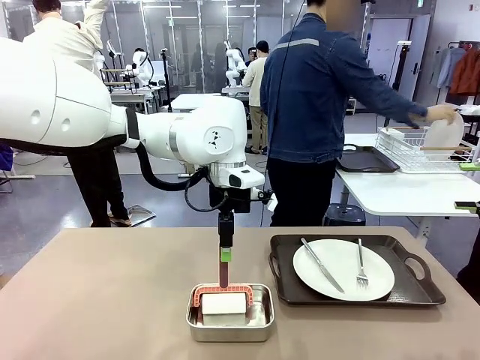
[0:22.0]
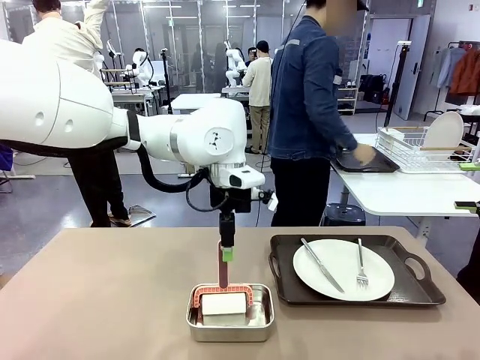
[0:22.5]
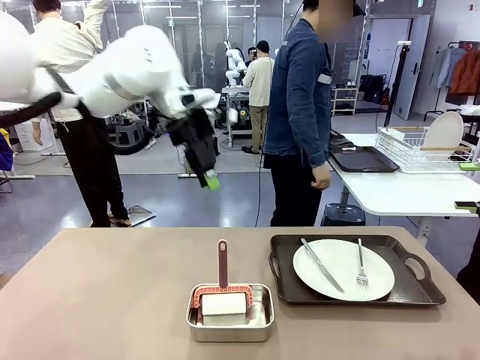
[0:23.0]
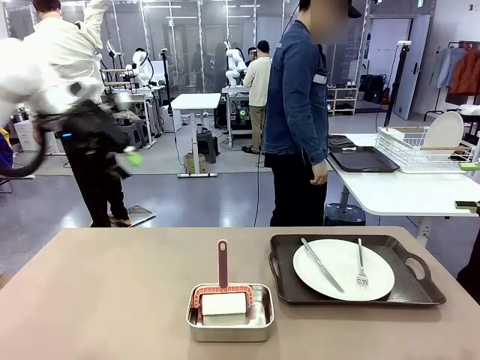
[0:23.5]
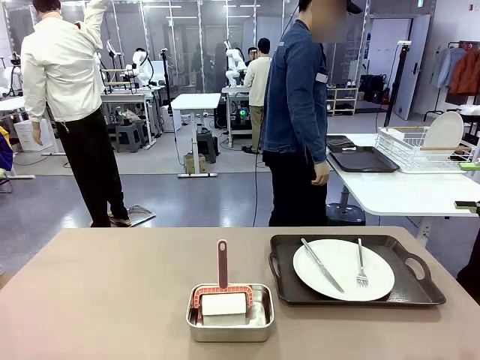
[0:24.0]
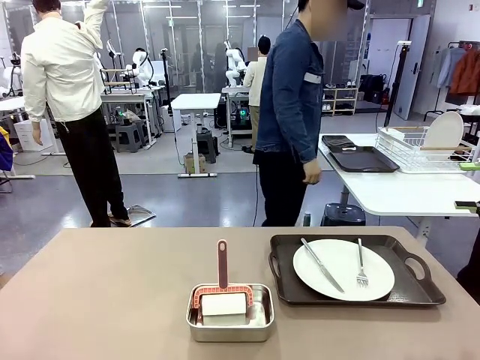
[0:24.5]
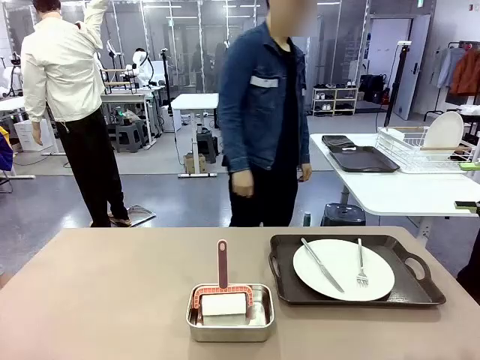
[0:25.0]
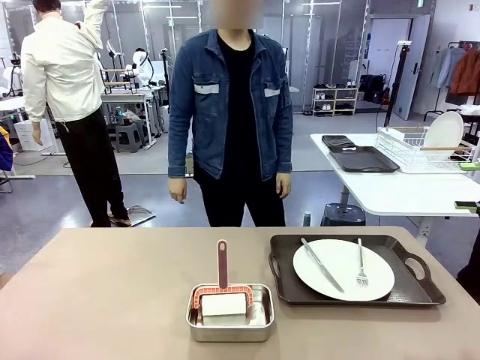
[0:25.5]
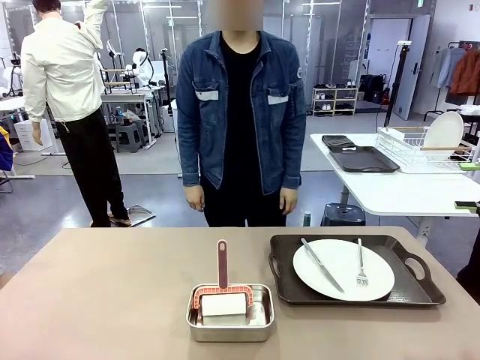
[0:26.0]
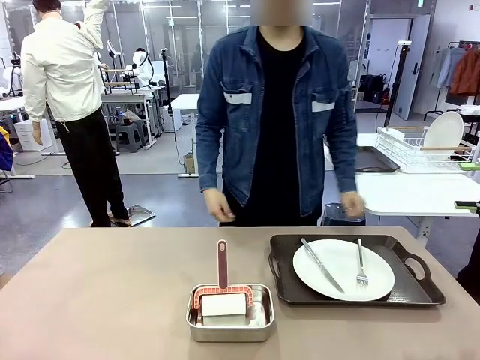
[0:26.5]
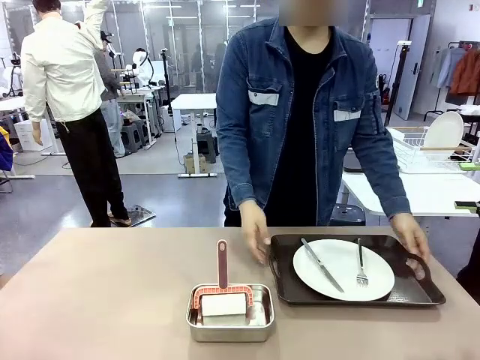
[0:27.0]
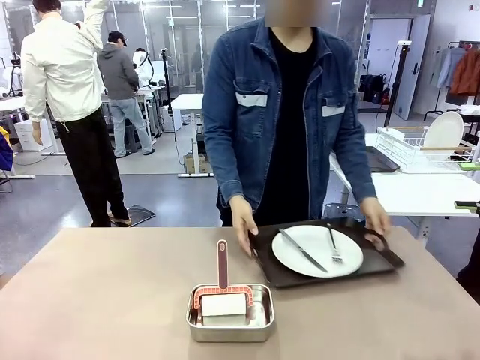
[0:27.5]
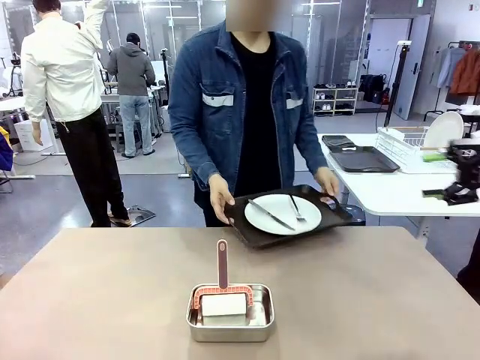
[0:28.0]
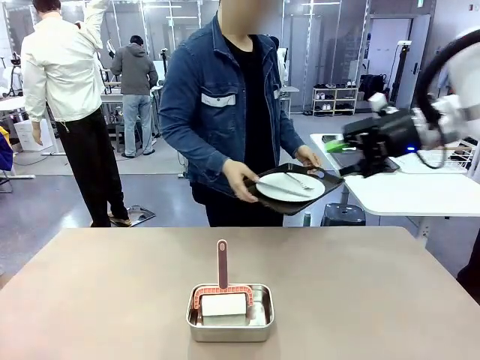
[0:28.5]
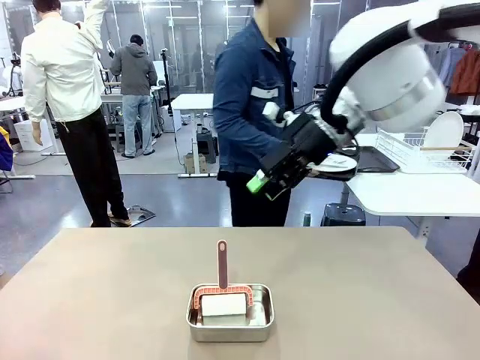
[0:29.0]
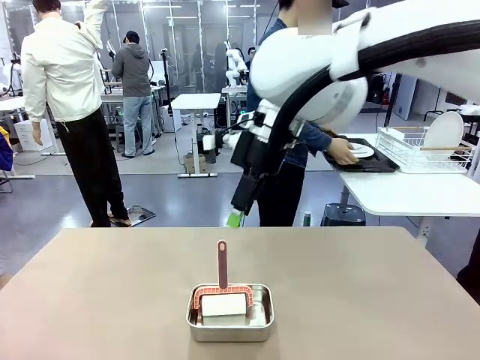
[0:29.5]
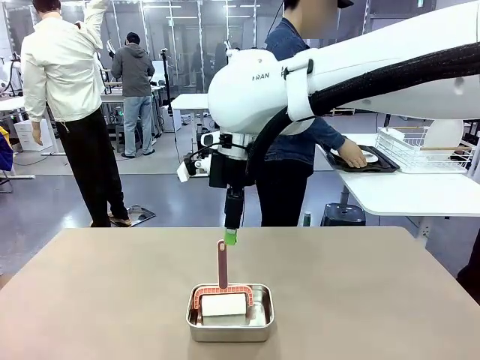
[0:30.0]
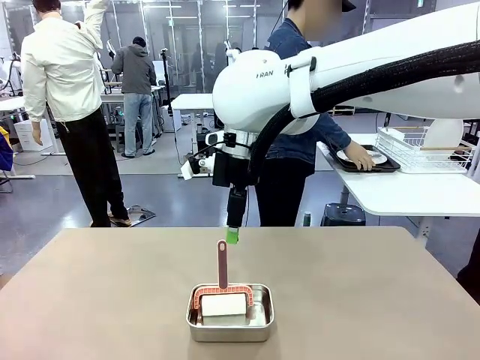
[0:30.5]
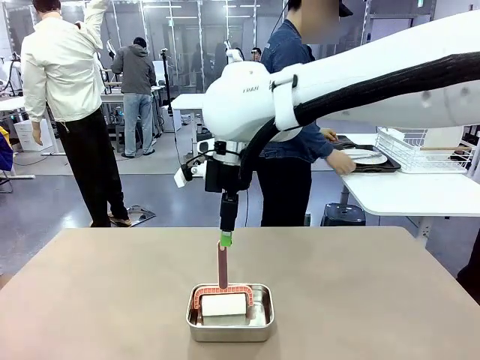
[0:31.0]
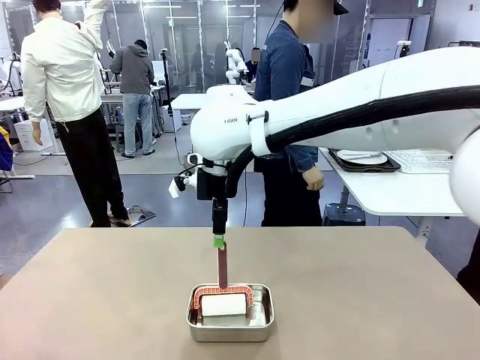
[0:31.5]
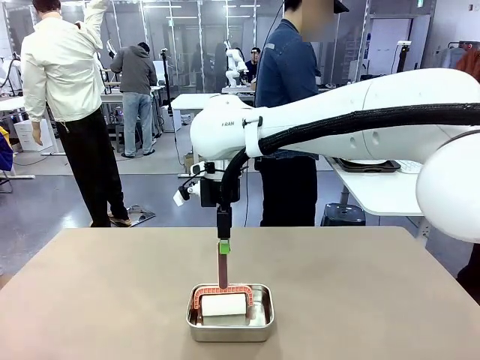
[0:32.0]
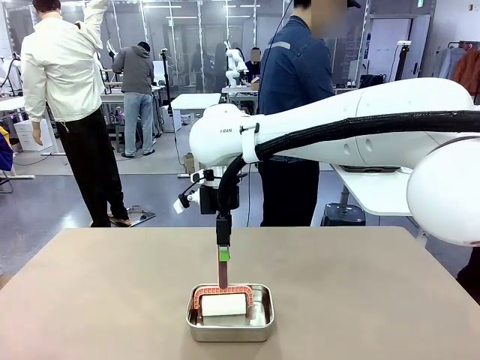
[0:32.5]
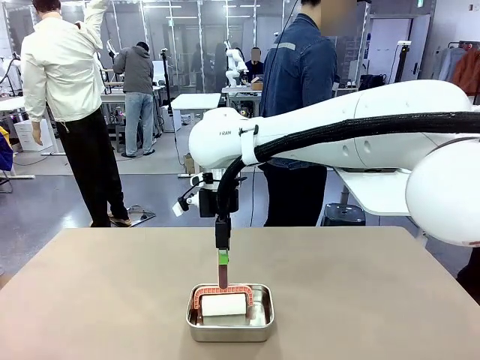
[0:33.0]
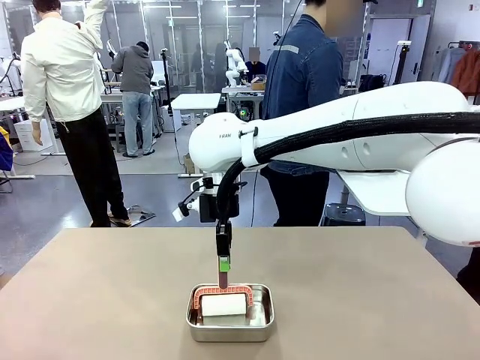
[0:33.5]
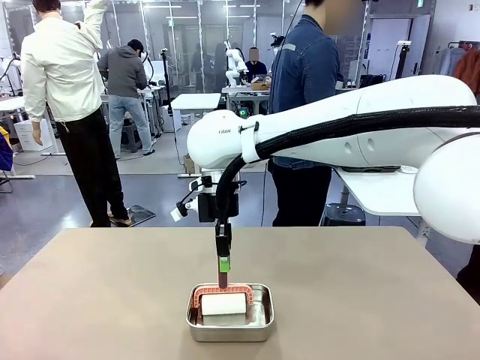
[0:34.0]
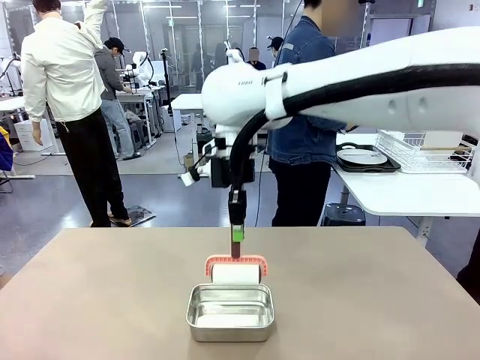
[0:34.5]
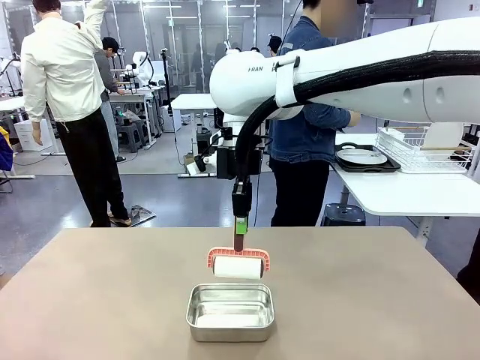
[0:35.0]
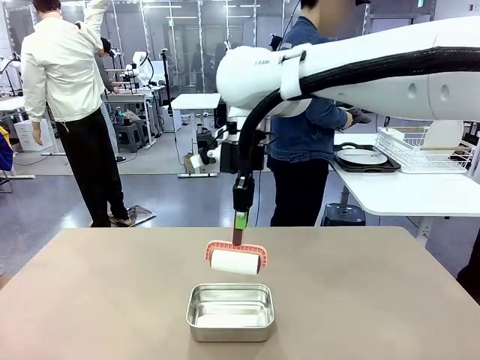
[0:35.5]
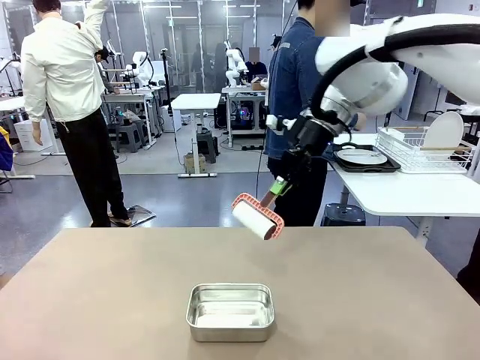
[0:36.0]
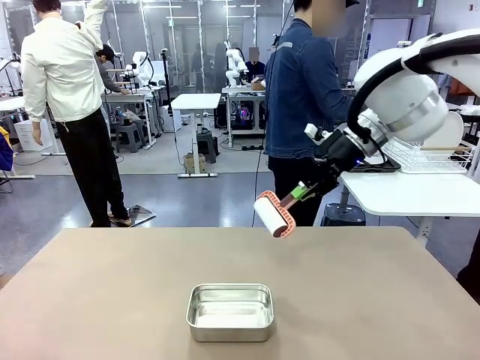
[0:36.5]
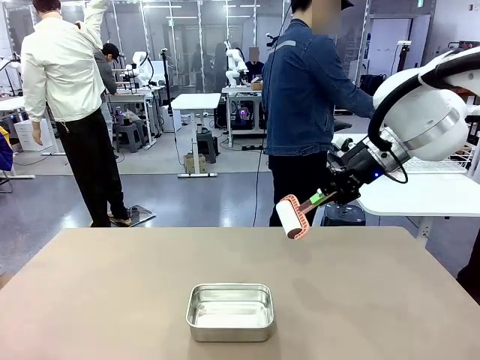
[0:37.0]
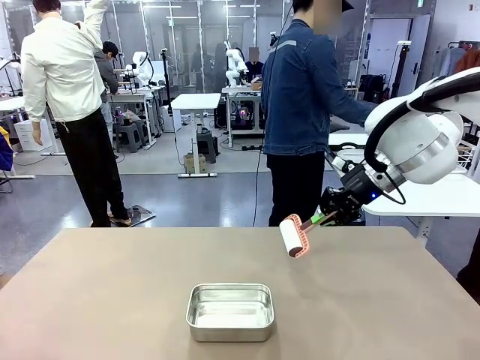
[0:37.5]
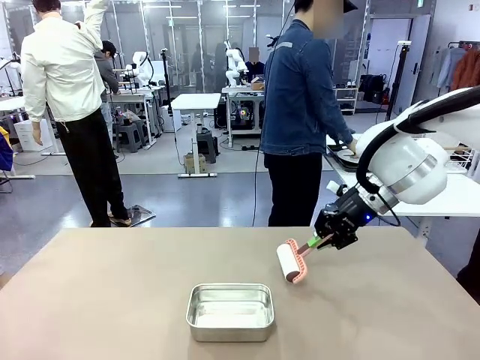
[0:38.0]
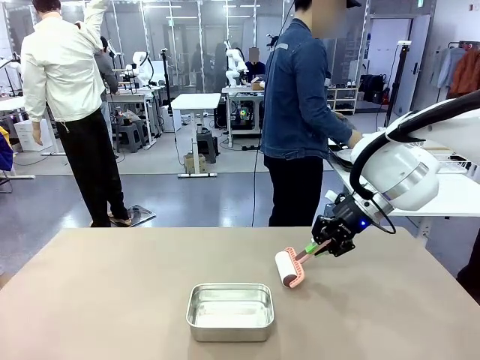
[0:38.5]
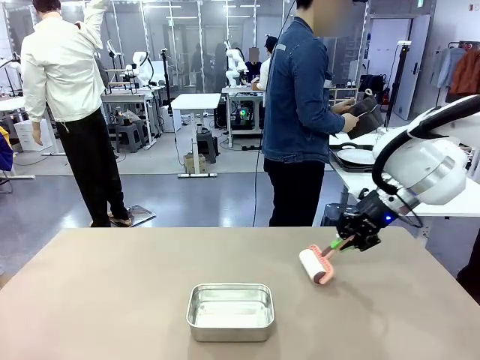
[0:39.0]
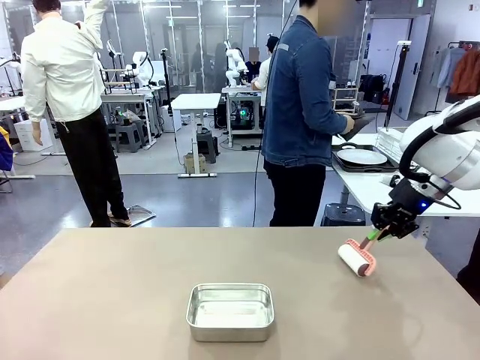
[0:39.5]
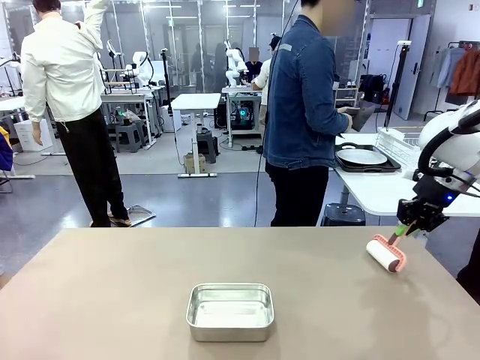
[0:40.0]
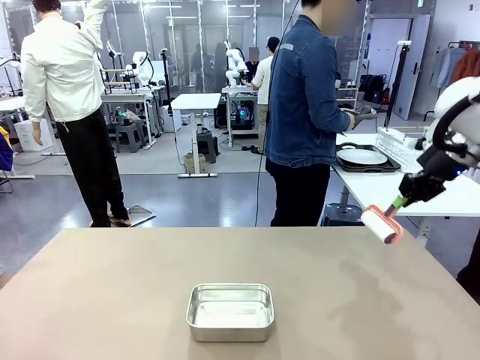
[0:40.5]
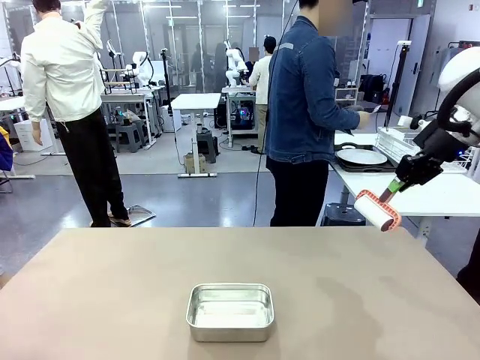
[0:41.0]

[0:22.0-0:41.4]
Robot: When the right (or left) Handle tray is removed, use the right hand (or left hand) to clean the right (or left) side of the table with the Lint Roller.
Person: Pick up the left (or right) Handle tray and place it on the Handle tray.

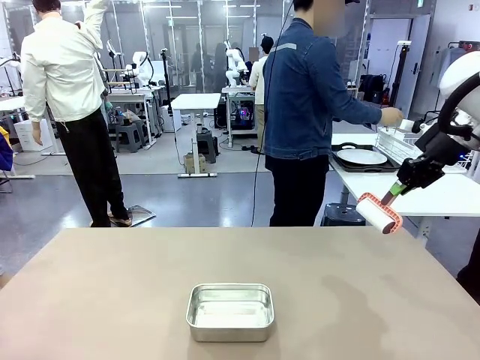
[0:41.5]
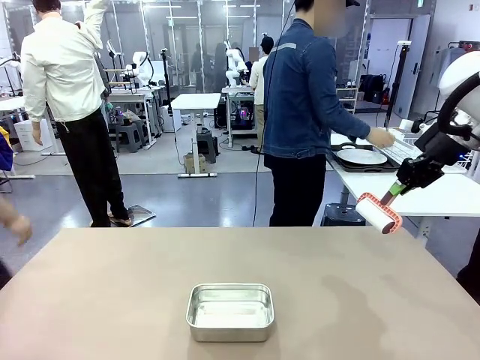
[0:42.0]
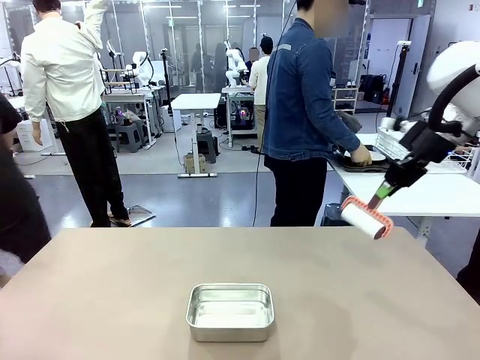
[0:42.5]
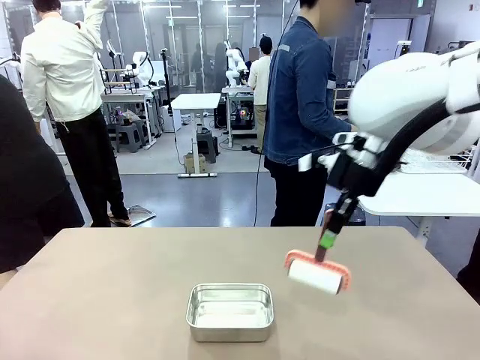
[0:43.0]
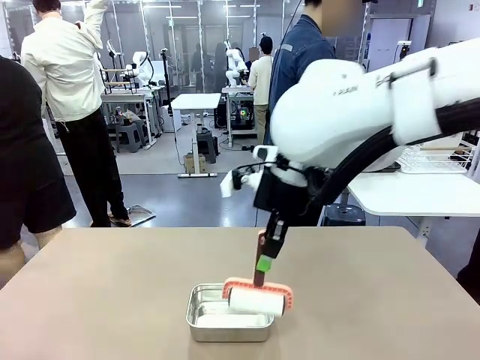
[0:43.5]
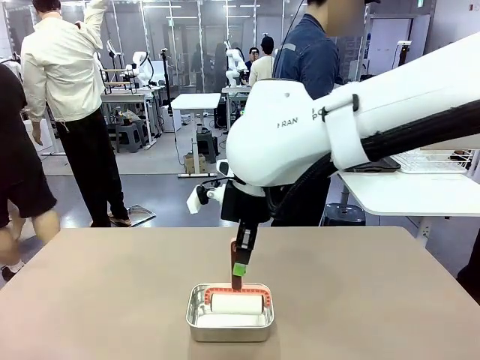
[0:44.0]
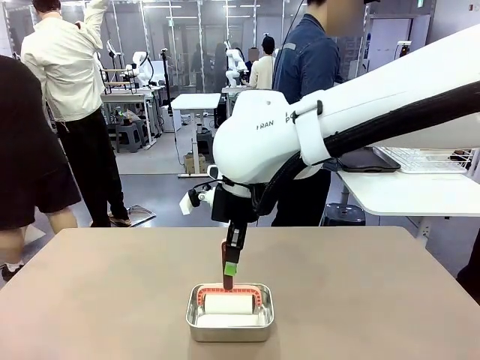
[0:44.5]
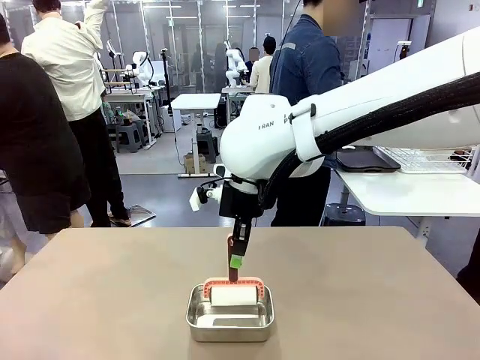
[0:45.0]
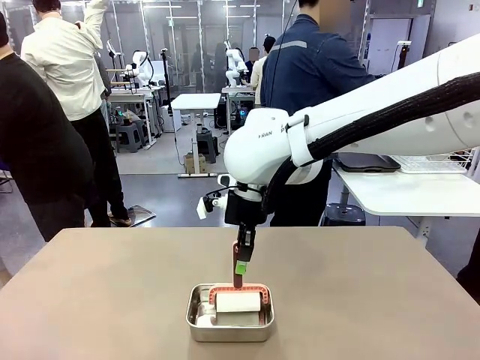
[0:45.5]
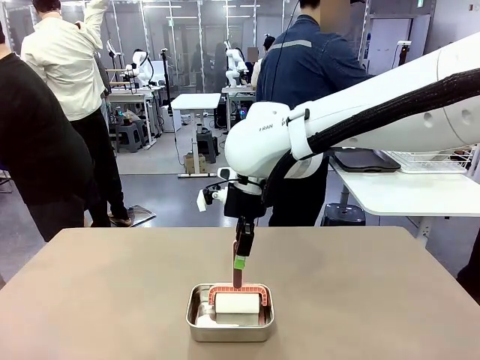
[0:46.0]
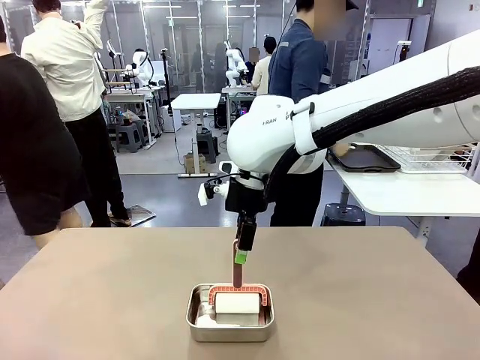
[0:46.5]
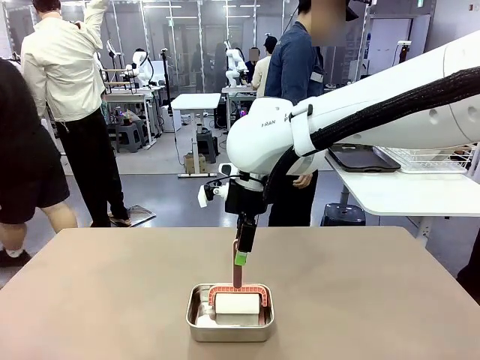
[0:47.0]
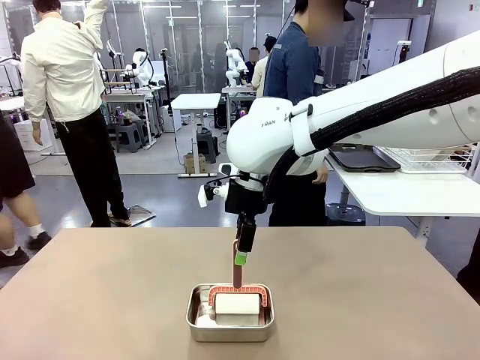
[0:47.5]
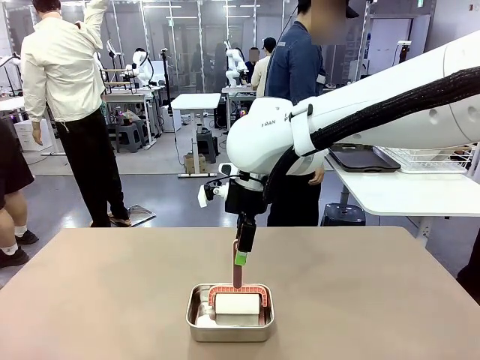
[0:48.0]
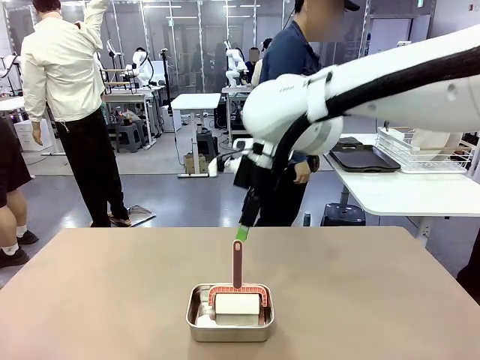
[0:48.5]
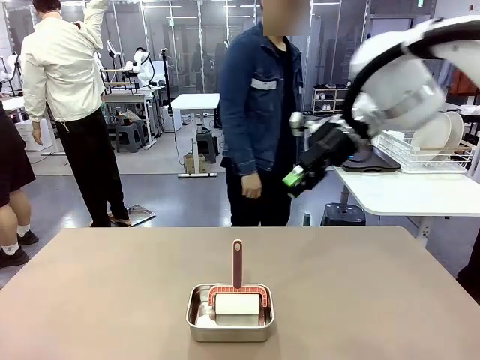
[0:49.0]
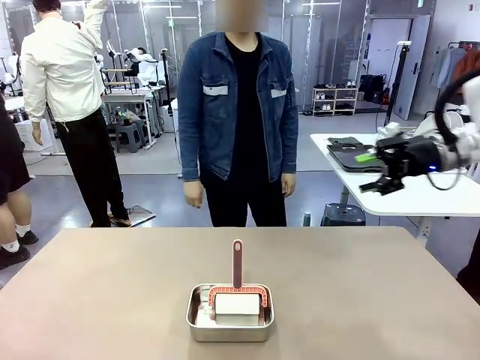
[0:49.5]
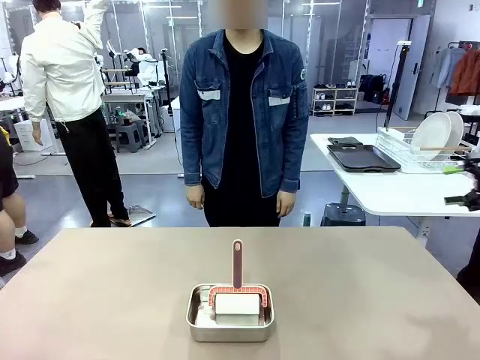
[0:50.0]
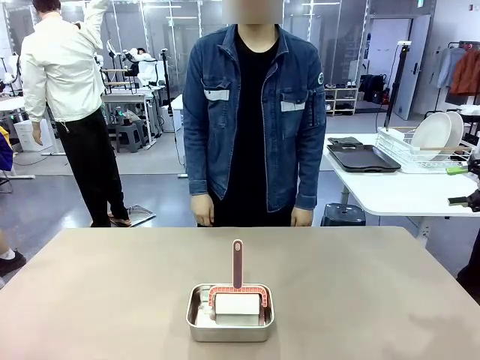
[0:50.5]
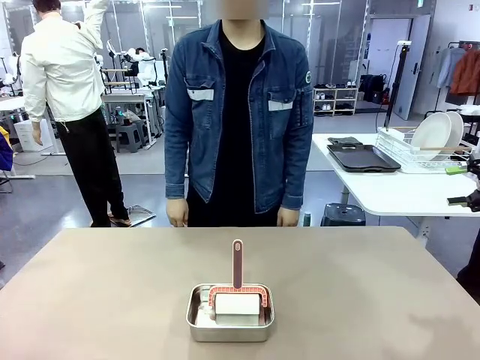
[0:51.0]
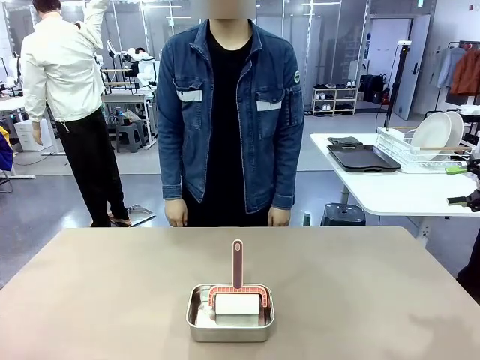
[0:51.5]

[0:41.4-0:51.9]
Robot: Place the Lint Roller back on top of the Airtight Container.
Person: Use the Towel with hook to wipe the Plastic Matte Plate , Fork , and Knife and place into the Dish drying rack.
